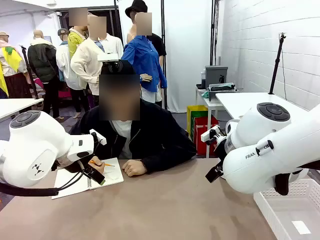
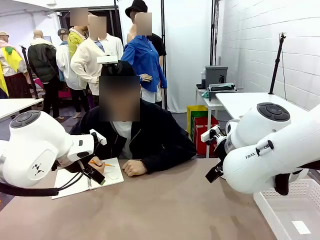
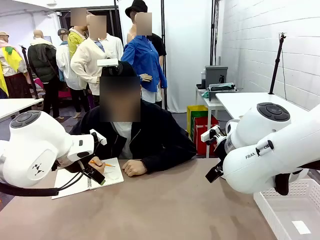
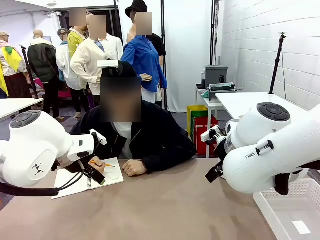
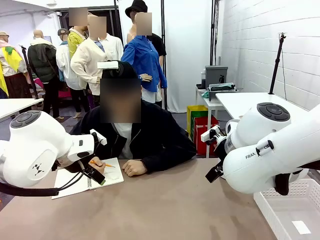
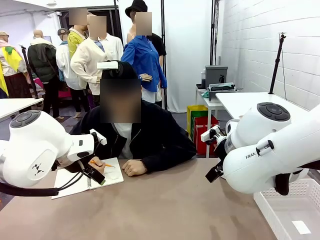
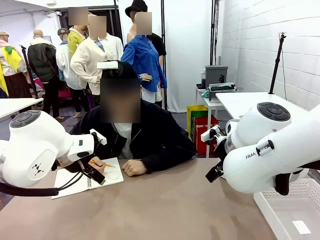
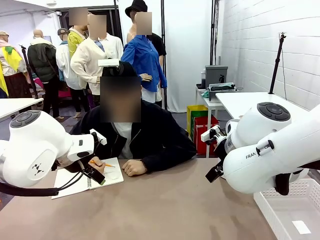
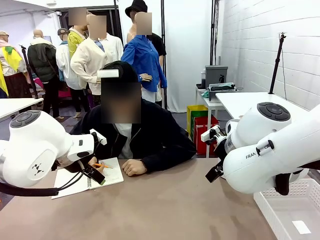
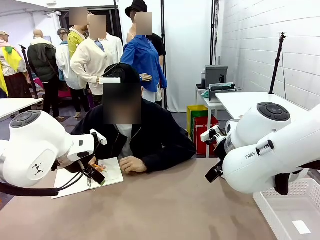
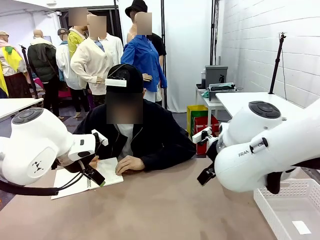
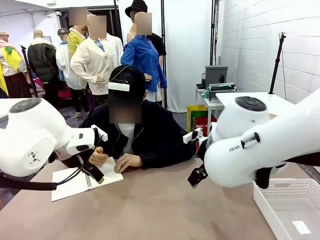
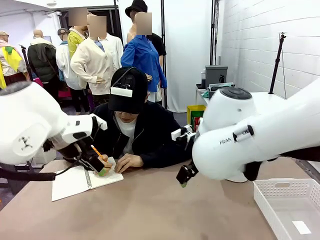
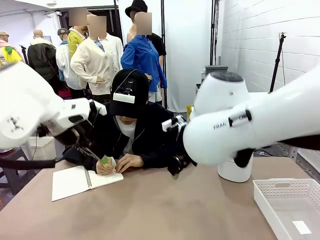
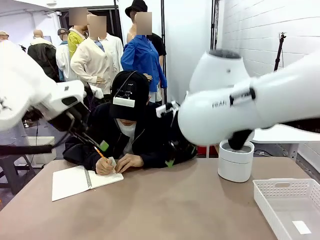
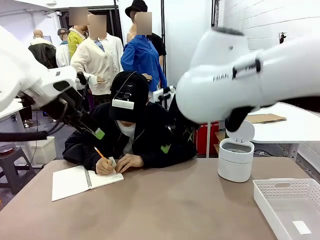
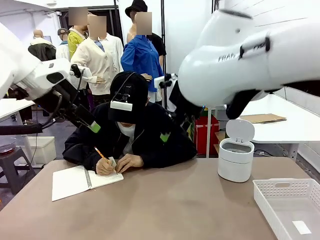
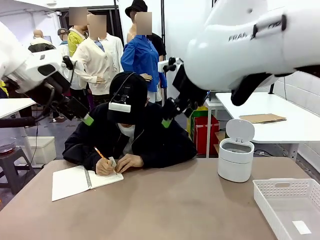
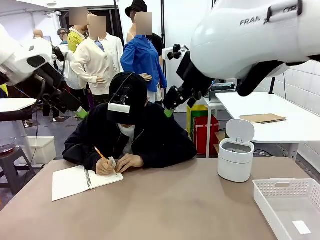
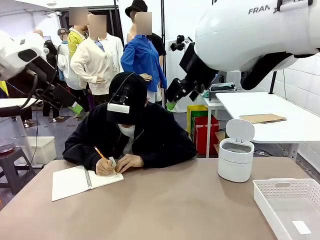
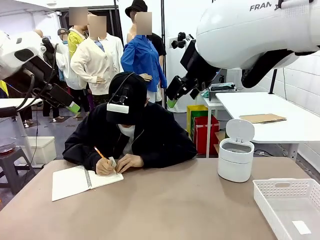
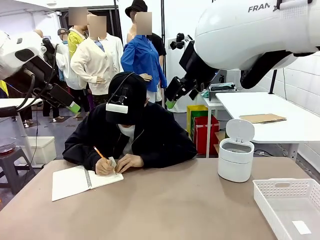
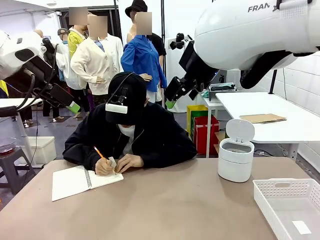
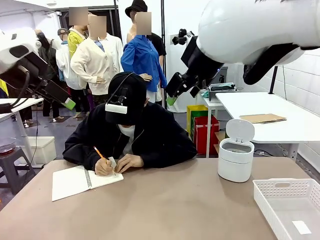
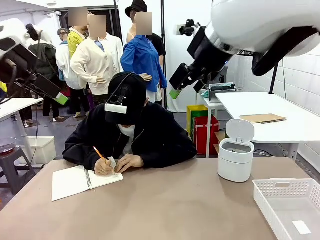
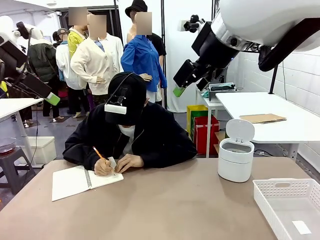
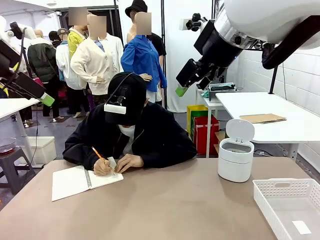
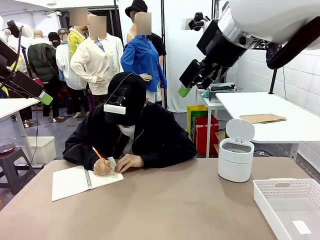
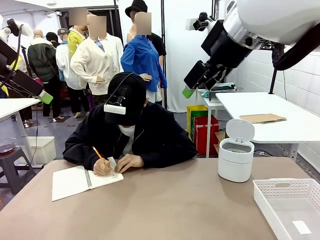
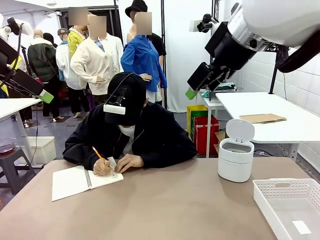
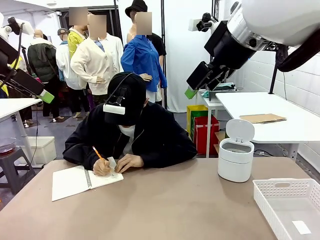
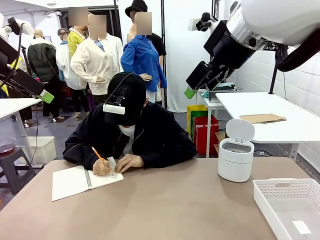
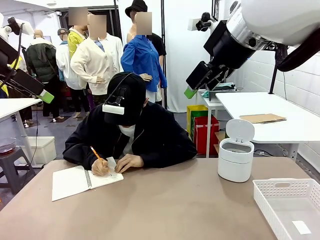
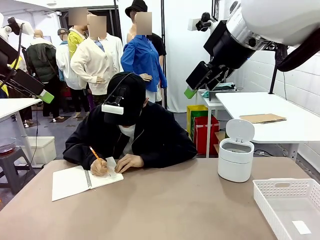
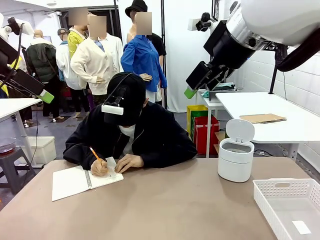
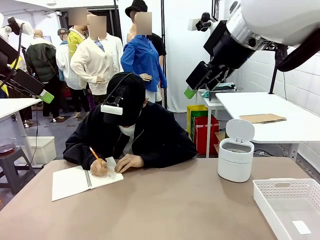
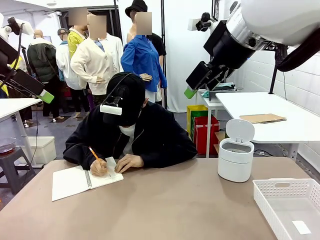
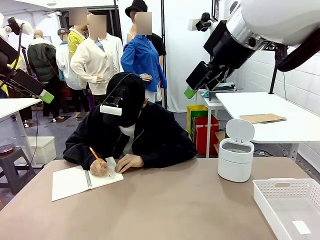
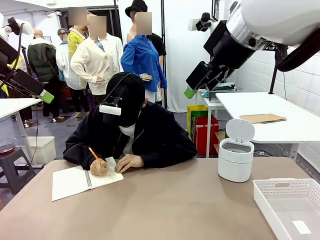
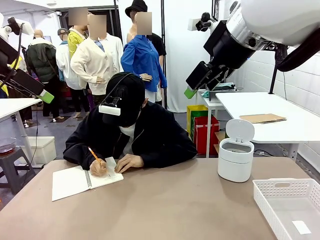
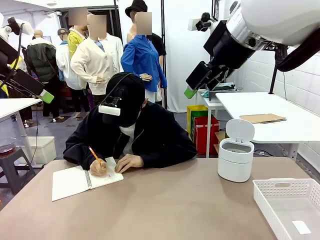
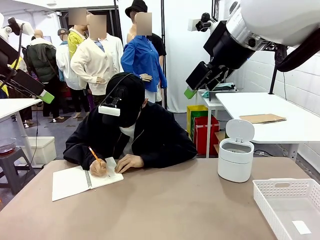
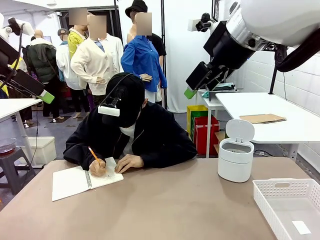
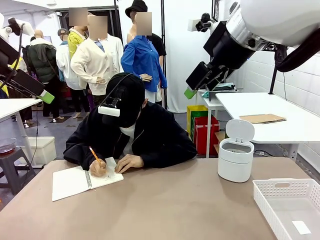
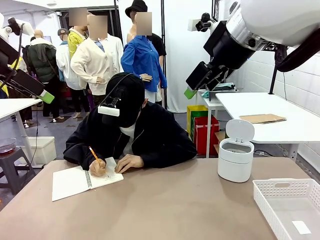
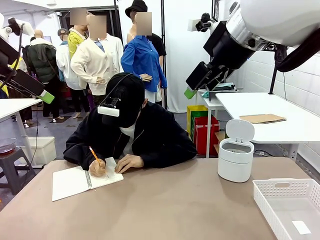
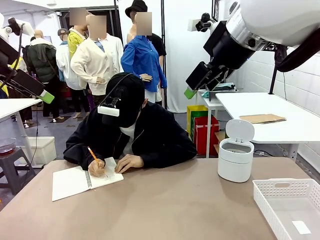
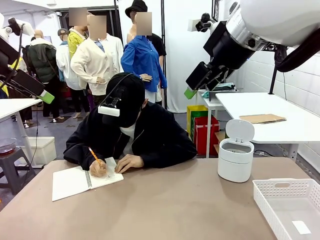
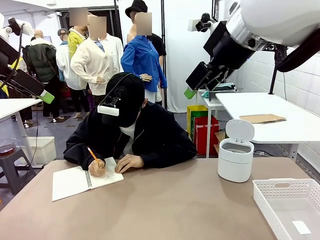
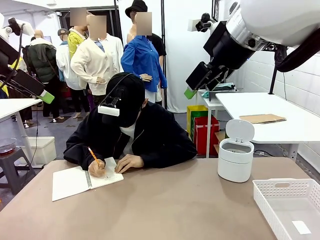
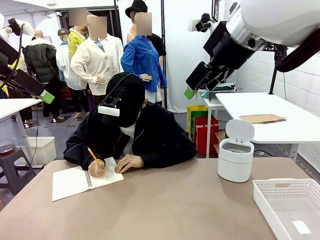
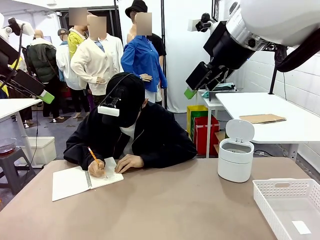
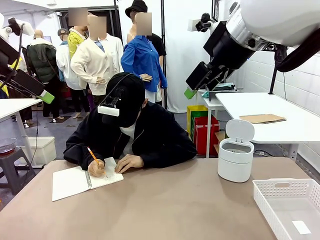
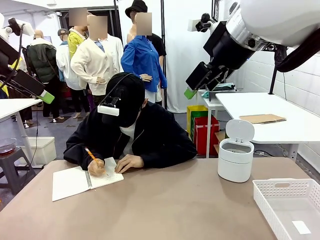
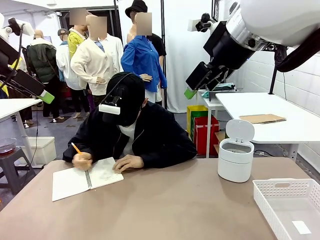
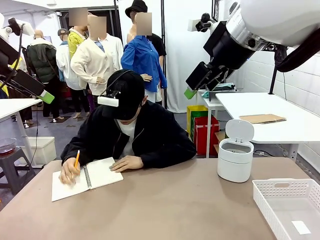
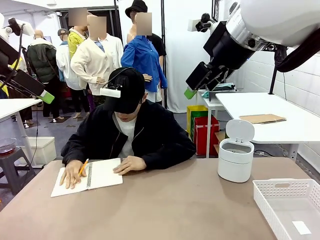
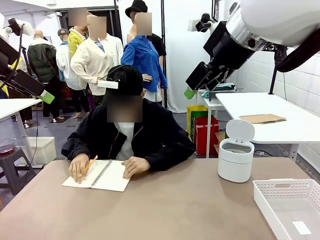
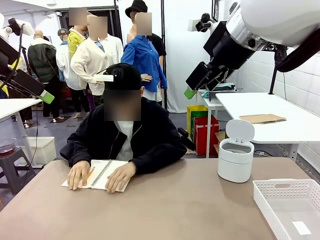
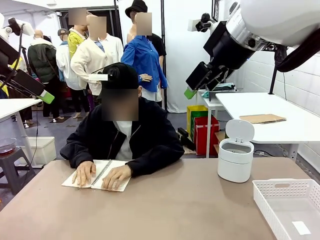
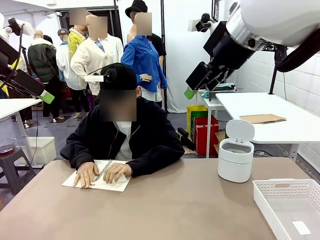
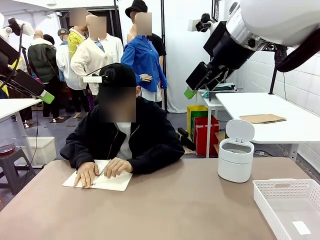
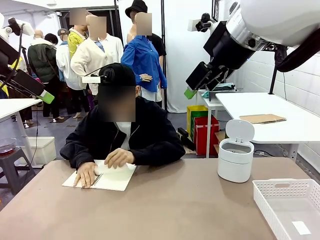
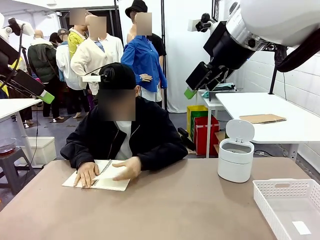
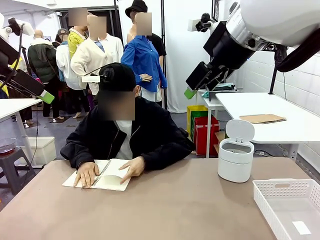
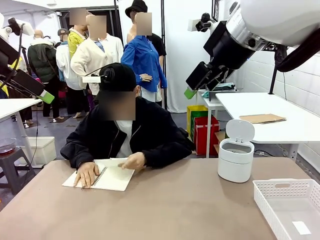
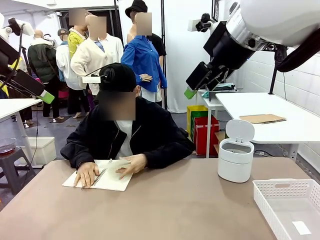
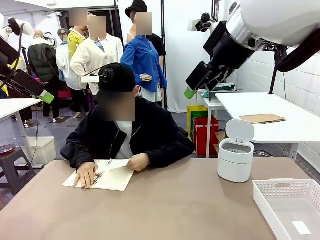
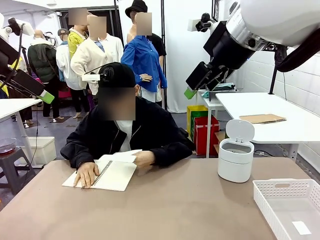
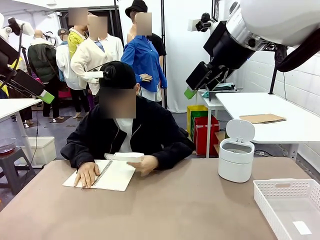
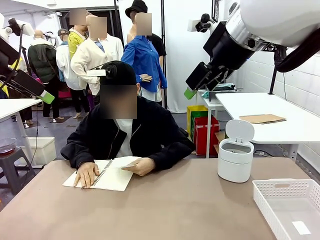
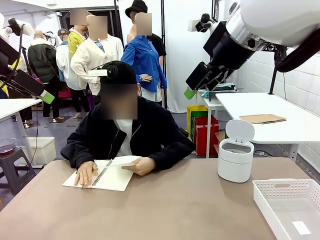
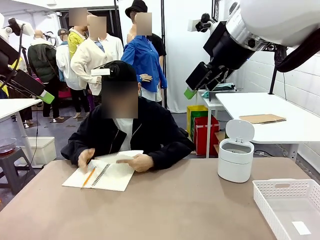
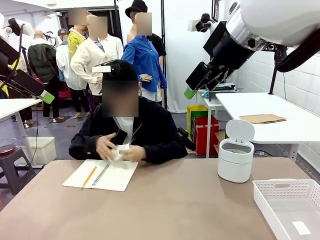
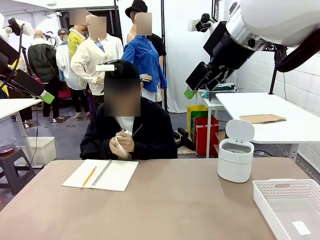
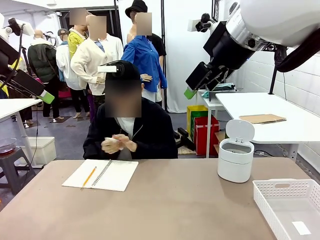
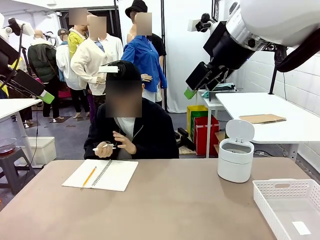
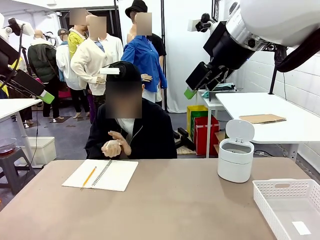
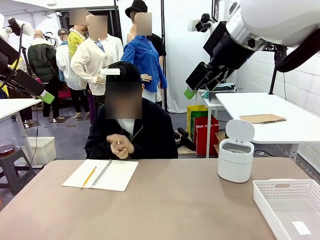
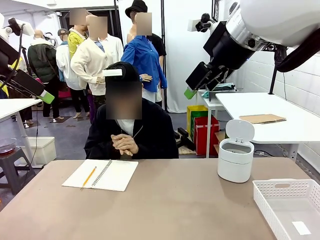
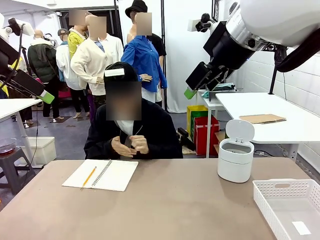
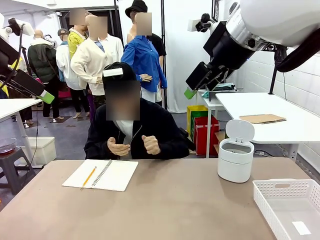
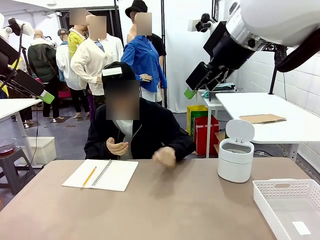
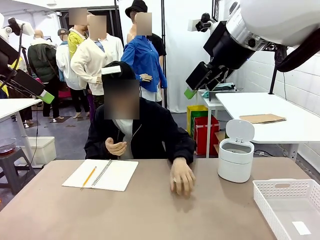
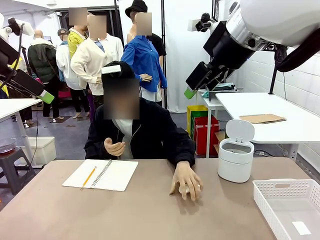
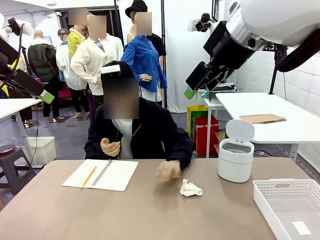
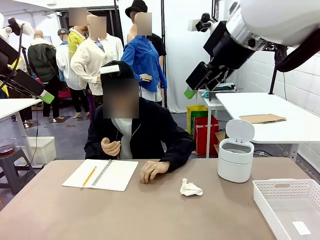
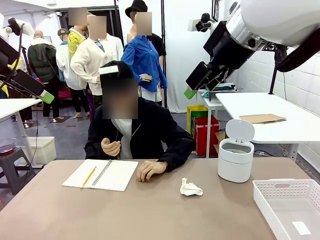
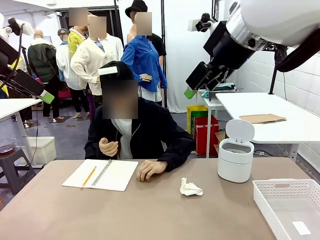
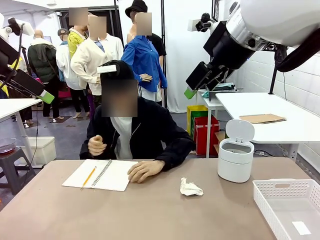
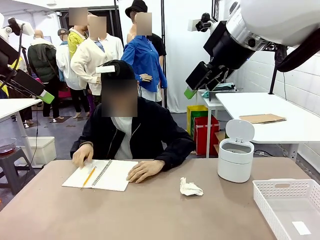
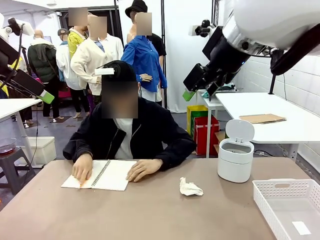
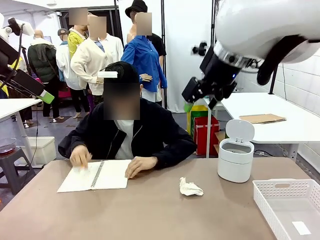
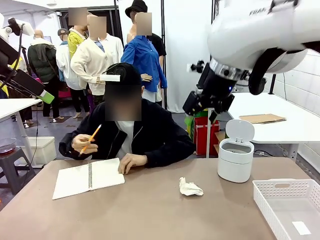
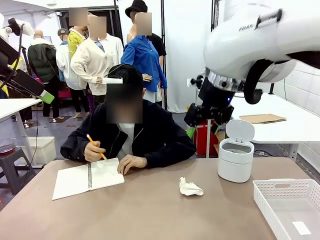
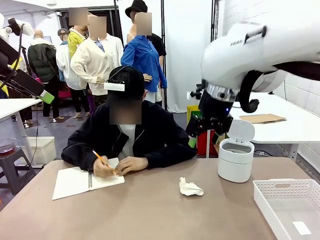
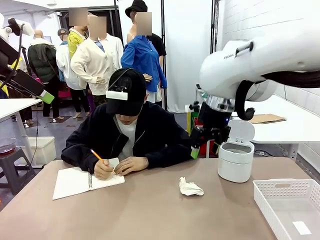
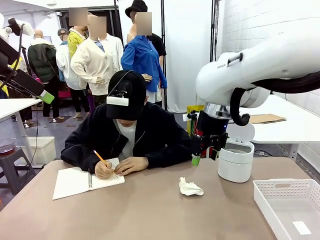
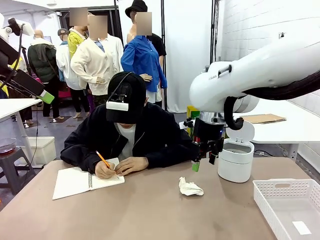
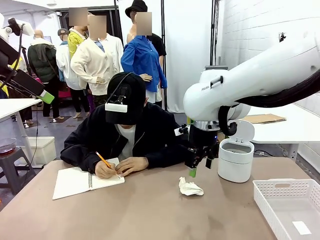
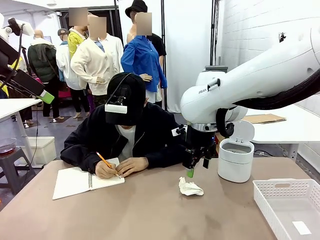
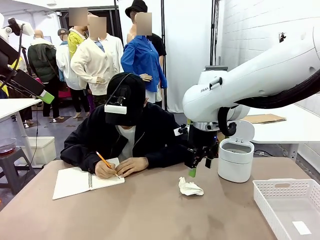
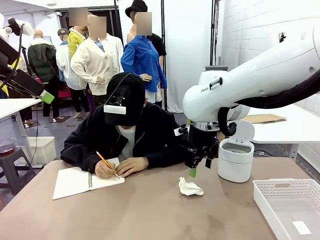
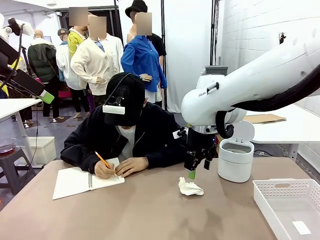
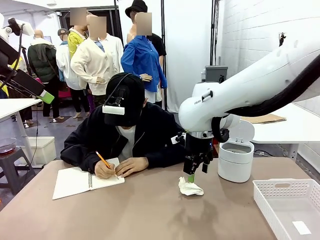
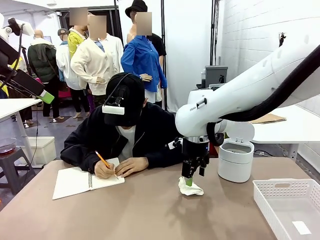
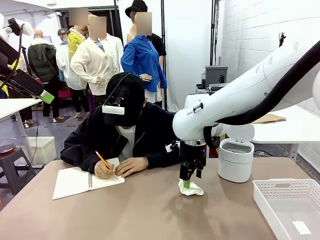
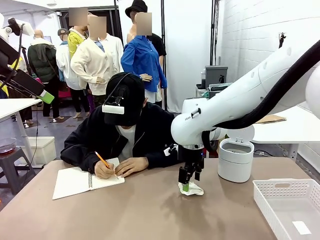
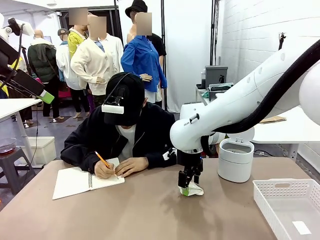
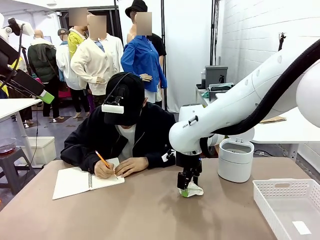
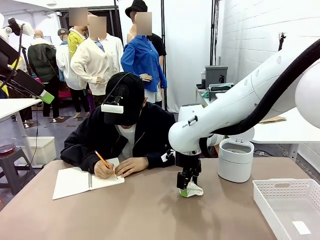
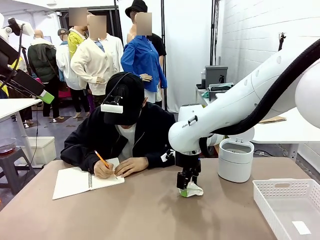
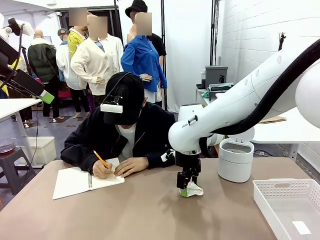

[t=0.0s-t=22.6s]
Task: Sort the paper based on its condition.
Robot: If a person hands you a paper, place it in the Organizing basket , and if it's crumpled, put it in the Trash can.
Person: Tear out a page from the spiral notebook. Hand the torn page to the robot or crumple it and throw it to the center of the table.
